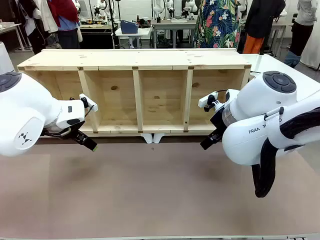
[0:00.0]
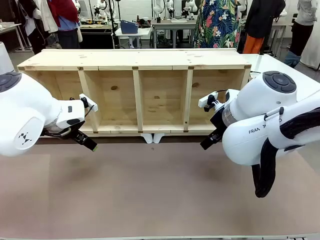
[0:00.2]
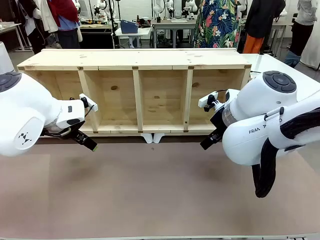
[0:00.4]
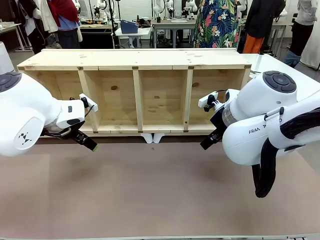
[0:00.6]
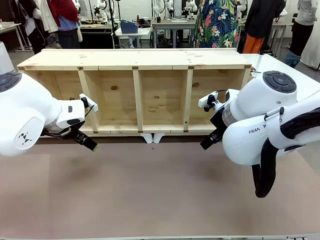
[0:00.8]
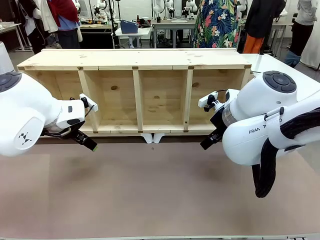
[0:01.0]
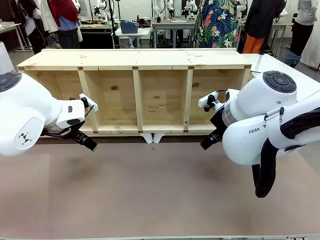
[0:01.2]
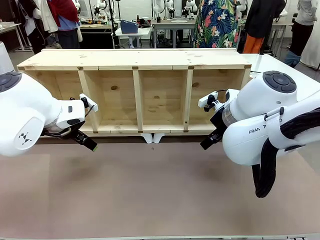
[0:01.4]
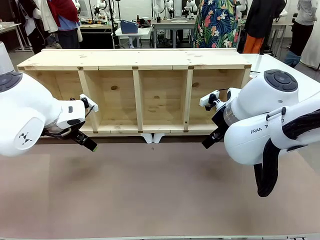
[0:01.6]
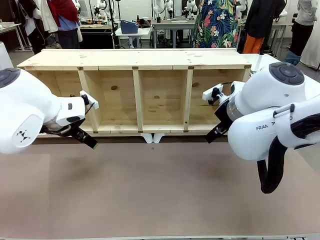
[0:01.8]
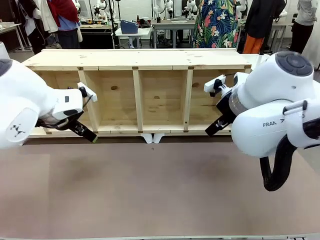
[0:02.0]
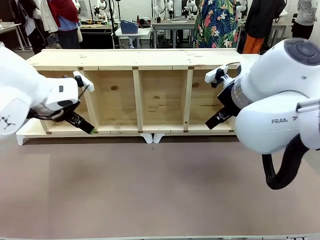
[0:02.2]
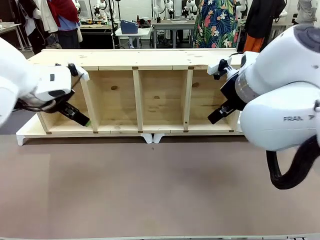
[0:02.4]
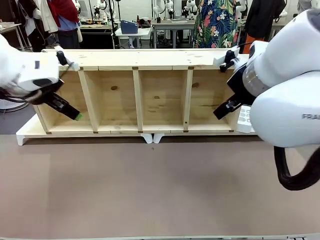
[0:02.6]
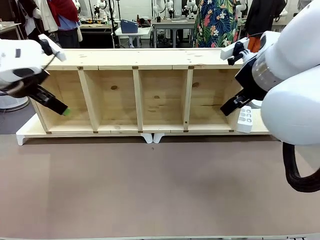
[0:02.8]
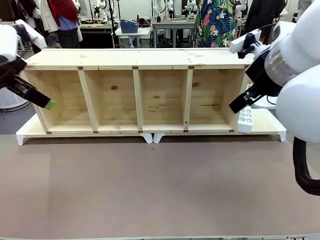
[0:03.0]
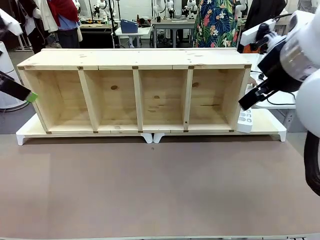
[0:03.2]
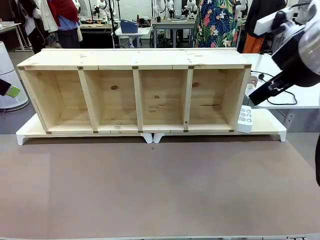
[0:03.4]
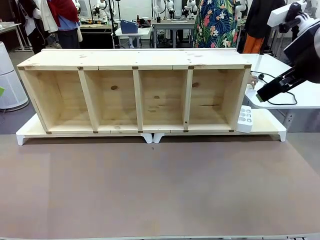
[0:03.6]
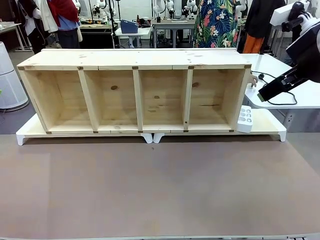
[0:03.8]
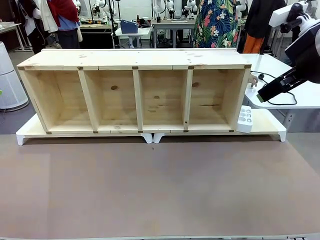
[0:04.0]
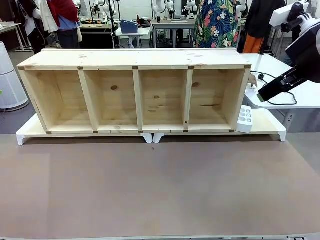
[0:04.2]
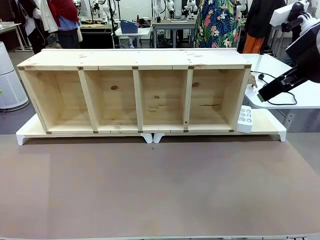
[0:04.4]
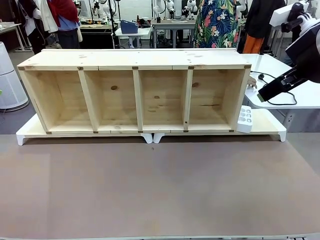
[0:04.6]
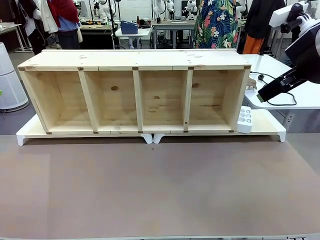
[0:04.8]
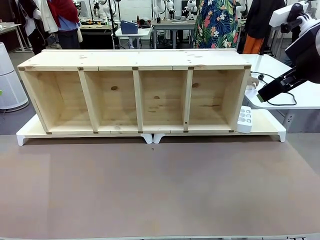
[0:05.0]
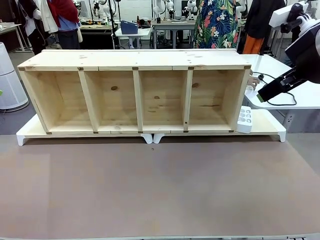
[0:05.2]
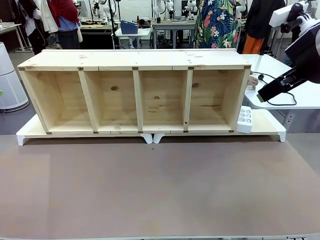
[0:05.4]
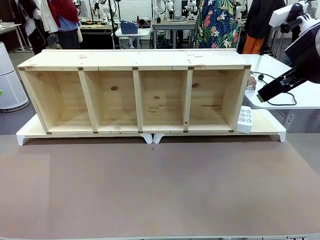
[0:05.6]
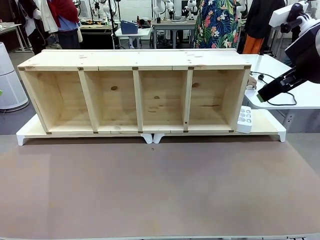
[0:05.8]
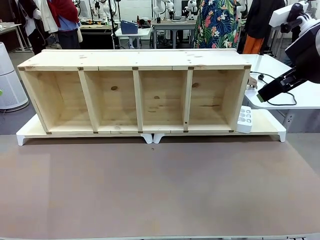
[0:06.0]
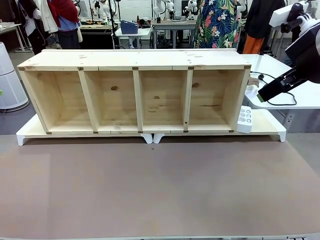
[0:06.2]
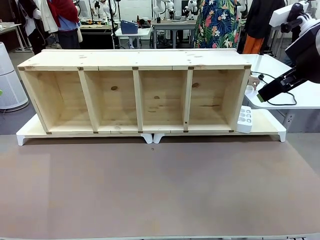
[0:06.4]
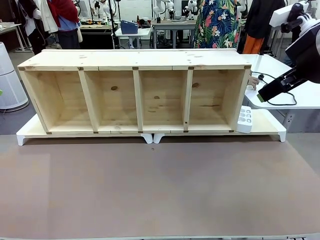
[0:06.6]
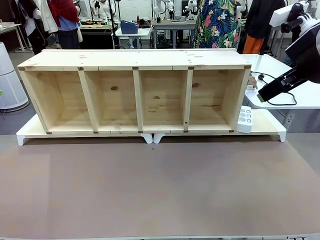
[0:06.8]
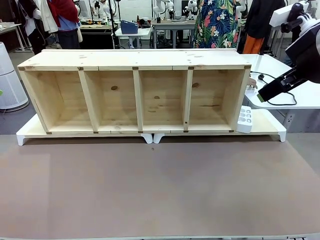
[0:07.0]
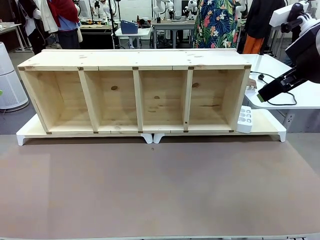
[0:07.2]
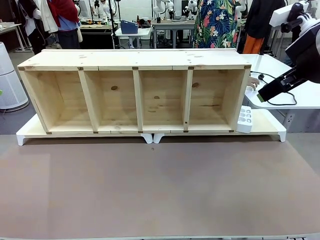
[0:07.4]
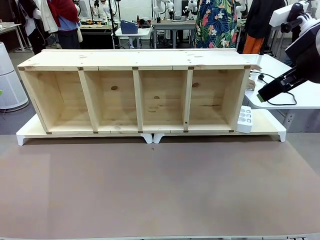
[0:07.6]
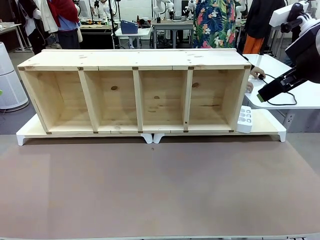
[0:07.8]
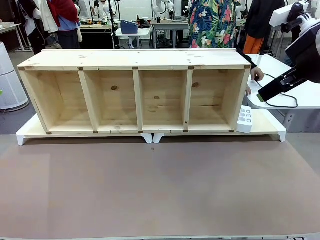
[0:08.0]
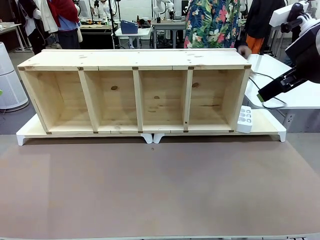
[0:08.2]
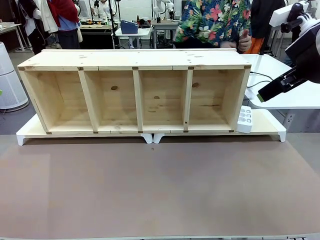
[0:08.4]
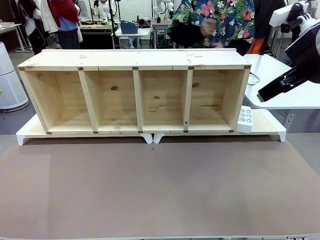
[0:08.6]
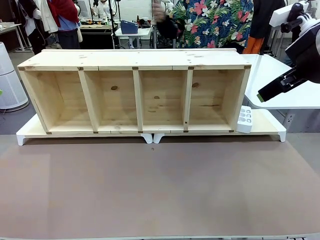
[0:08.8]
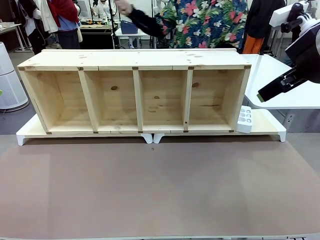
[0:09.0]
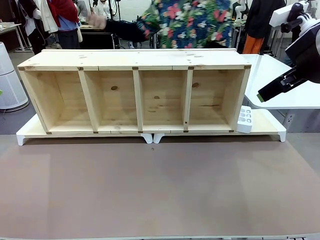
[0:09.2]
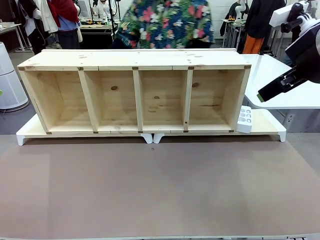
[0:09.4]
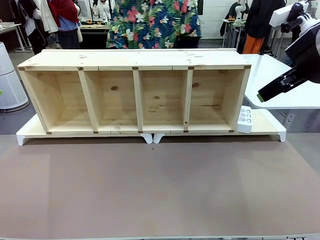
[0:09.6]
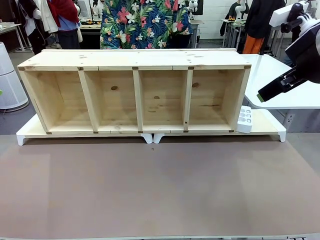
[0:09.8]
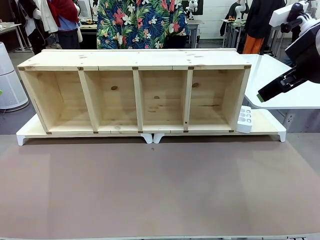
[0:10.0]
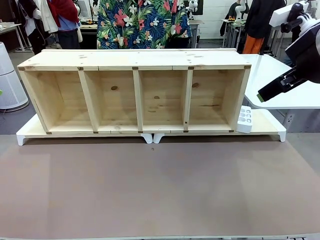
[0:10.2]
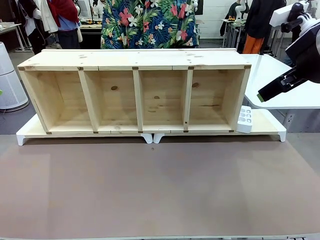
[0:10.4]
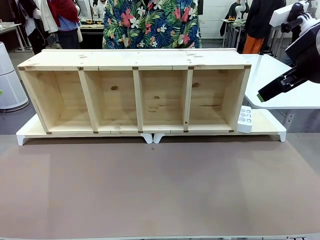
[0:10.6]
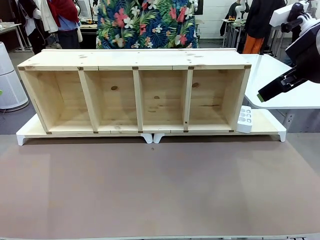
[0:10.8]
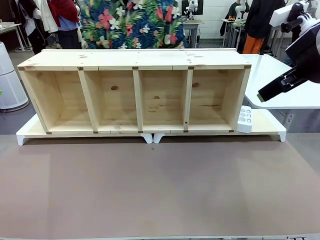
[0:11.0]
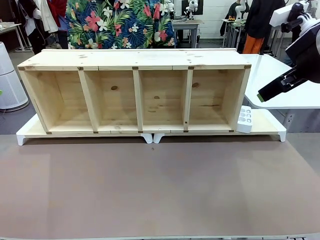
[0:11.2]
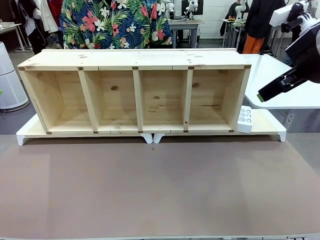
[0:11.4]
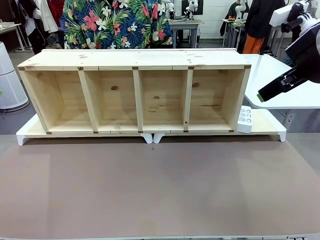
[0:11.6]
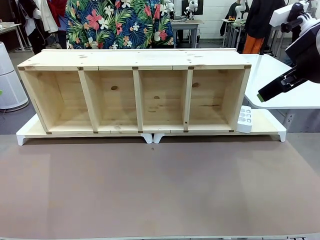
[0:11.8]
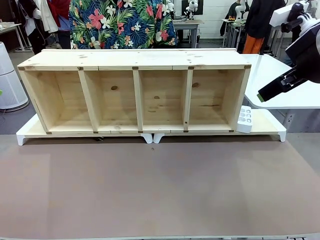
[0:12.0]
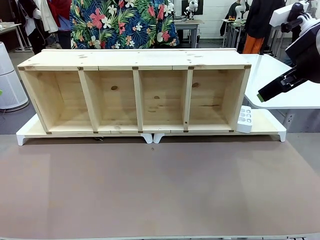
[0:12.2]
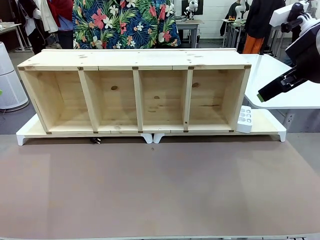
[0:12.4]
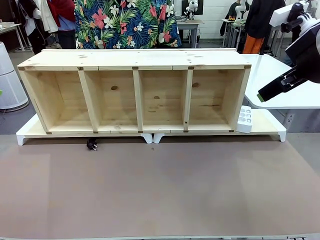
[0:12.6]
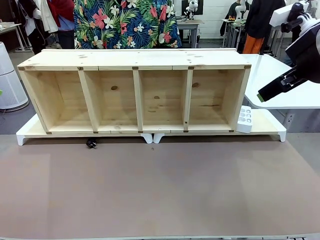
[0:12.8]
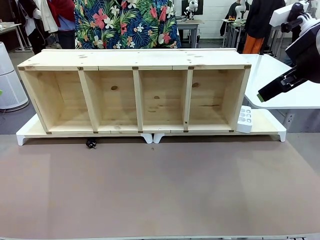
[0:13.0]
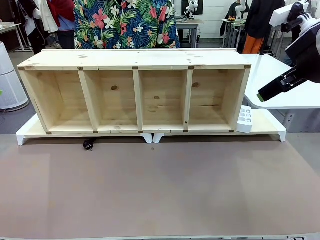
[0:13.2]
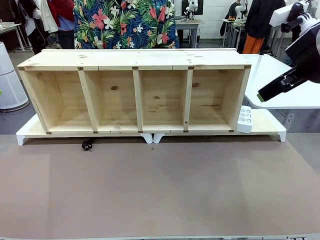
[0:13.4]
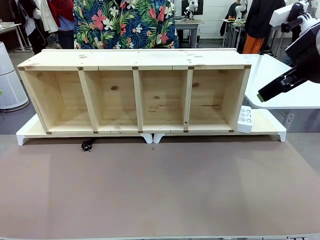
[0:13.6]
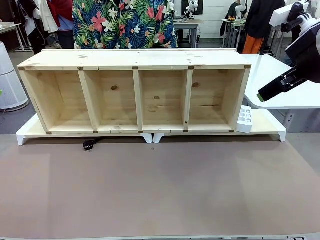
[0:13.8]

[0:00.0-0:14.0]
Task: Perform cable management.
Robot: When the cord part of the Power Cable appears at the lower middle area of the table and stops, grasp the cord part of the Power Cable.
Person: Pass the Power Cable under the Serving Table.
